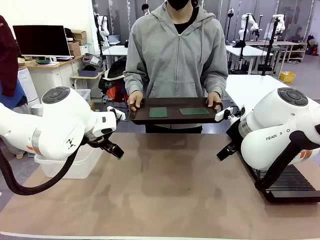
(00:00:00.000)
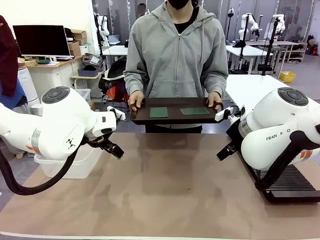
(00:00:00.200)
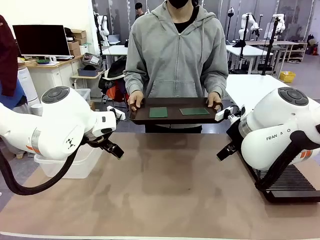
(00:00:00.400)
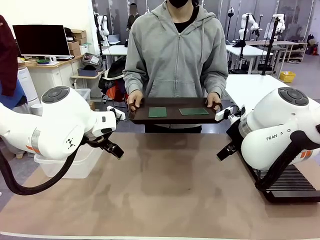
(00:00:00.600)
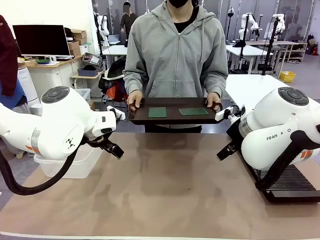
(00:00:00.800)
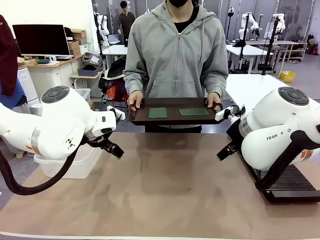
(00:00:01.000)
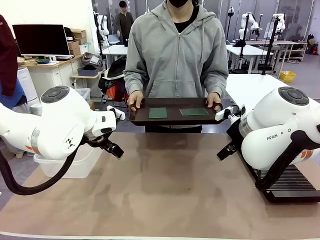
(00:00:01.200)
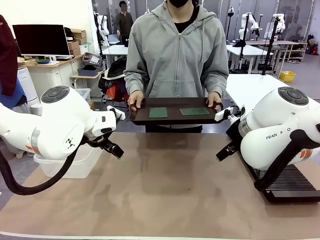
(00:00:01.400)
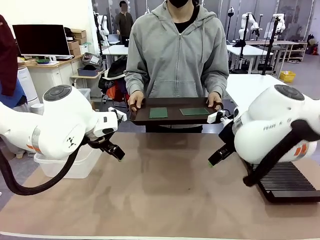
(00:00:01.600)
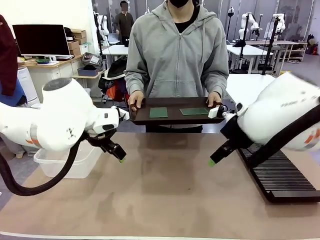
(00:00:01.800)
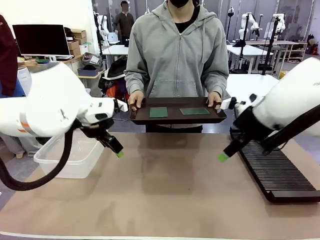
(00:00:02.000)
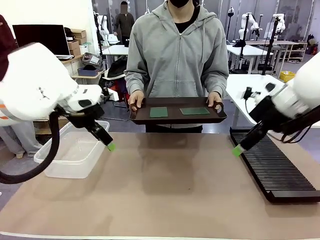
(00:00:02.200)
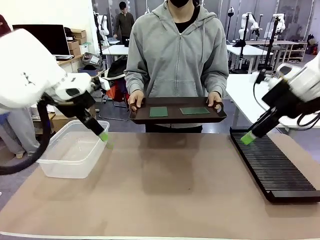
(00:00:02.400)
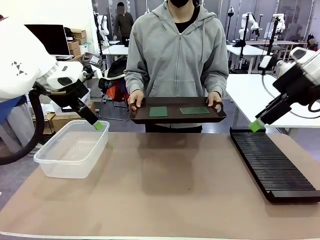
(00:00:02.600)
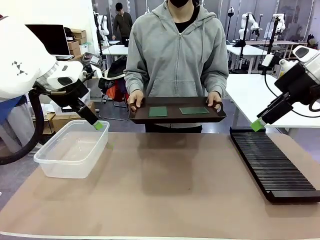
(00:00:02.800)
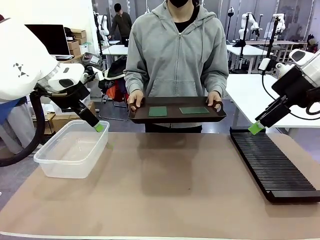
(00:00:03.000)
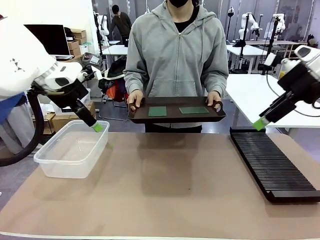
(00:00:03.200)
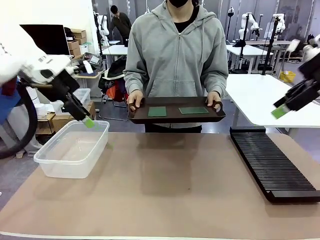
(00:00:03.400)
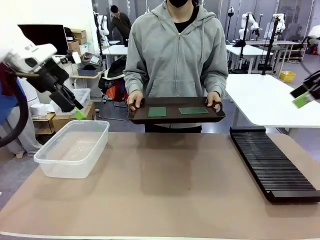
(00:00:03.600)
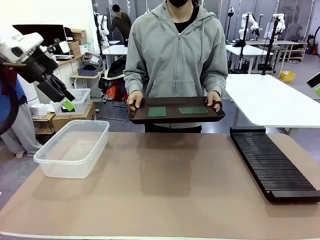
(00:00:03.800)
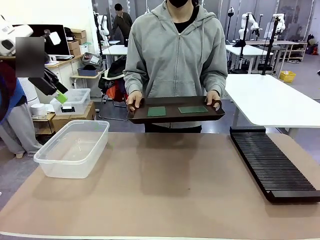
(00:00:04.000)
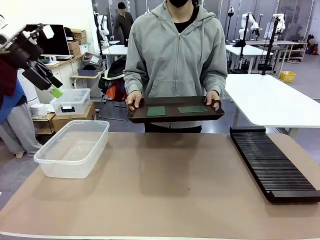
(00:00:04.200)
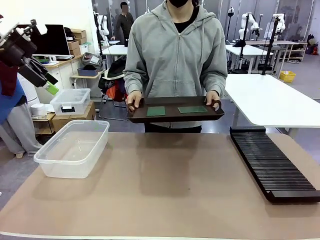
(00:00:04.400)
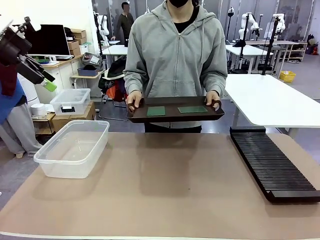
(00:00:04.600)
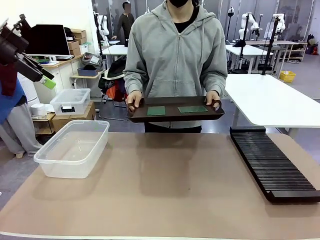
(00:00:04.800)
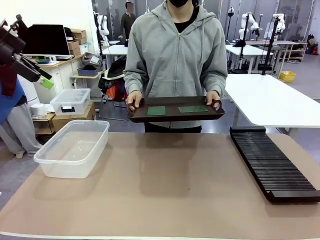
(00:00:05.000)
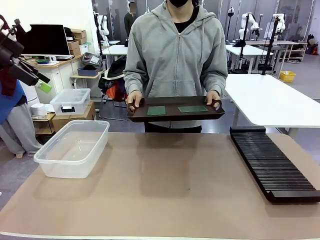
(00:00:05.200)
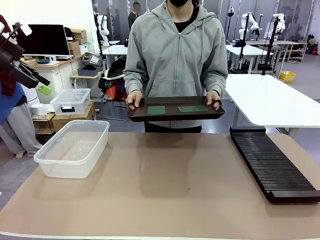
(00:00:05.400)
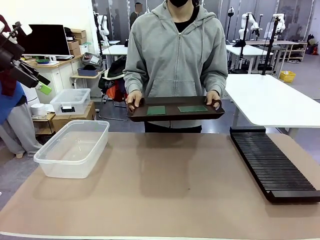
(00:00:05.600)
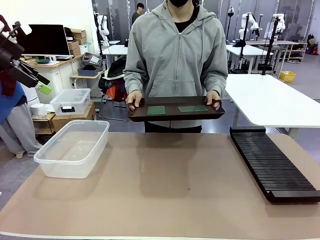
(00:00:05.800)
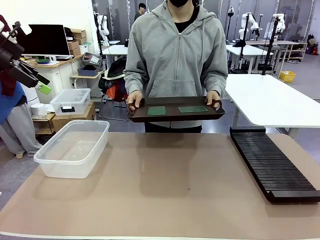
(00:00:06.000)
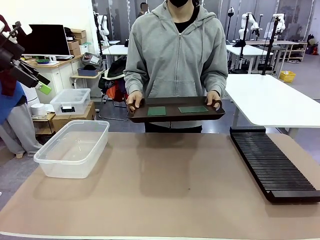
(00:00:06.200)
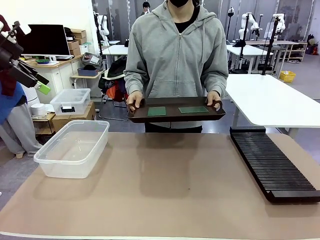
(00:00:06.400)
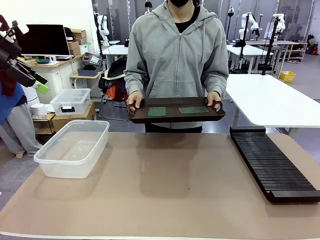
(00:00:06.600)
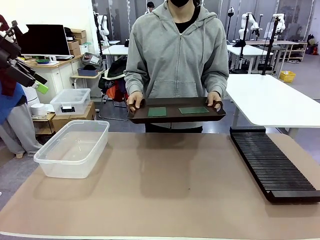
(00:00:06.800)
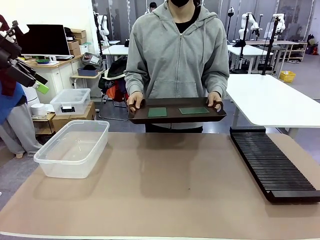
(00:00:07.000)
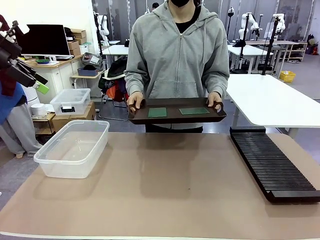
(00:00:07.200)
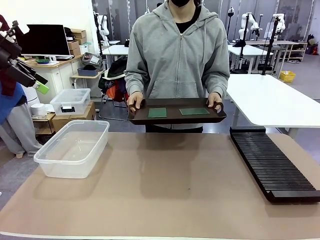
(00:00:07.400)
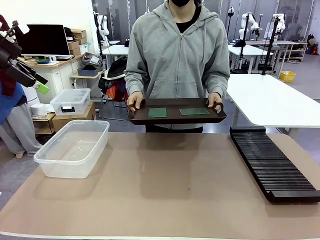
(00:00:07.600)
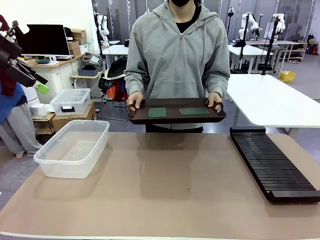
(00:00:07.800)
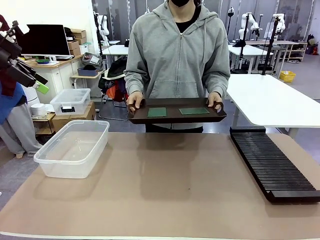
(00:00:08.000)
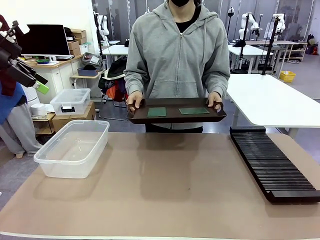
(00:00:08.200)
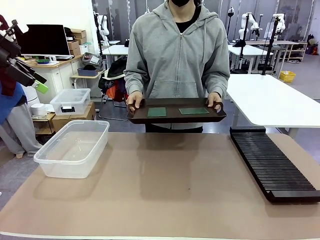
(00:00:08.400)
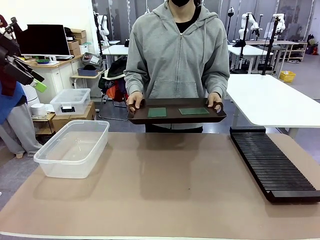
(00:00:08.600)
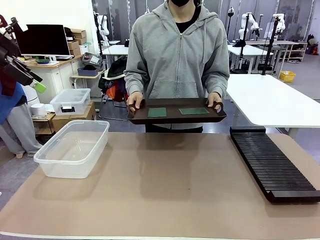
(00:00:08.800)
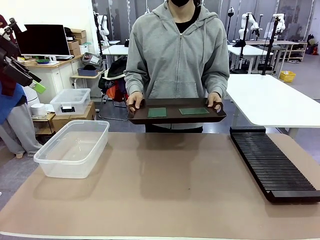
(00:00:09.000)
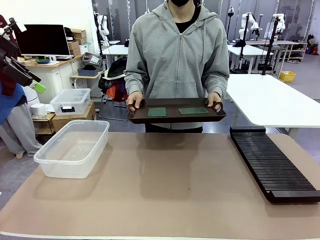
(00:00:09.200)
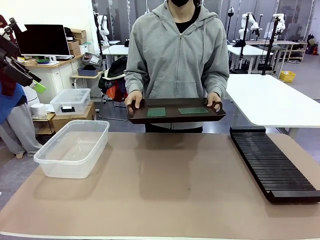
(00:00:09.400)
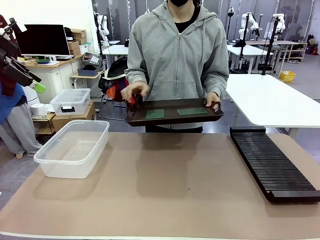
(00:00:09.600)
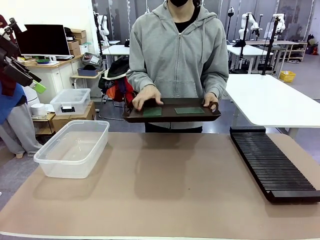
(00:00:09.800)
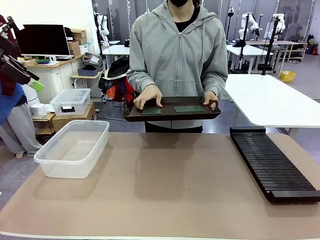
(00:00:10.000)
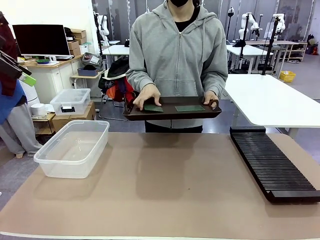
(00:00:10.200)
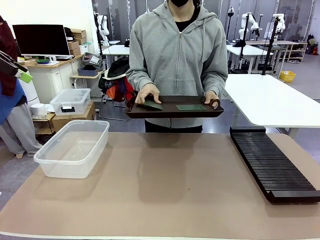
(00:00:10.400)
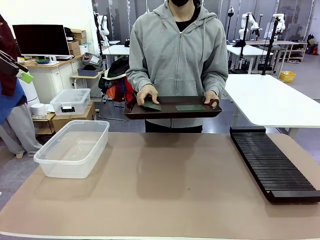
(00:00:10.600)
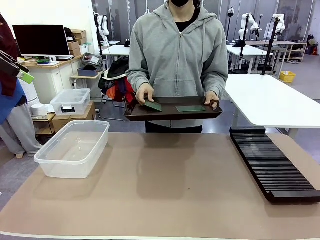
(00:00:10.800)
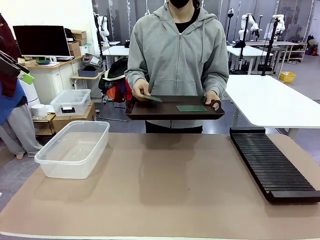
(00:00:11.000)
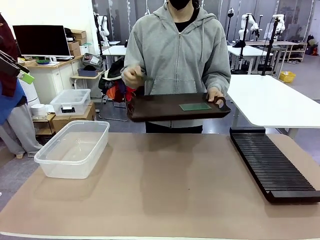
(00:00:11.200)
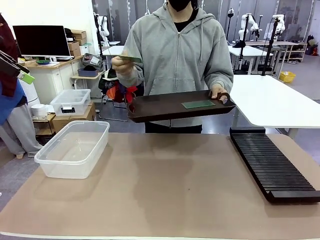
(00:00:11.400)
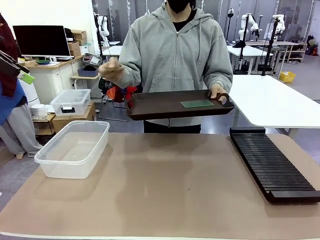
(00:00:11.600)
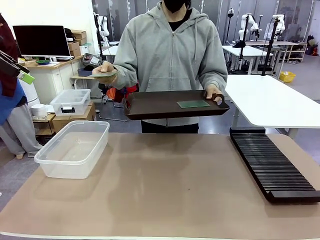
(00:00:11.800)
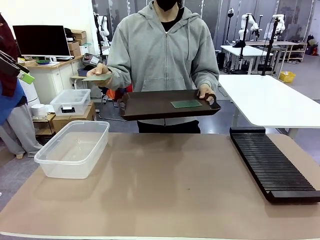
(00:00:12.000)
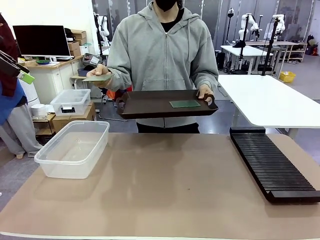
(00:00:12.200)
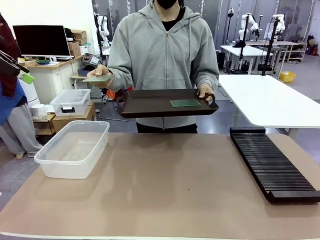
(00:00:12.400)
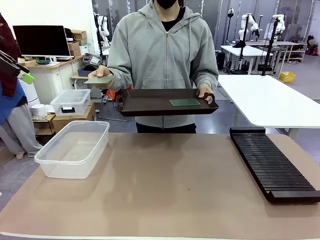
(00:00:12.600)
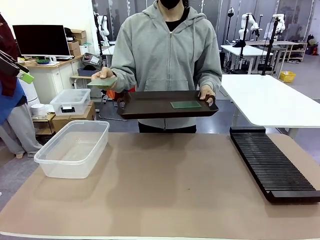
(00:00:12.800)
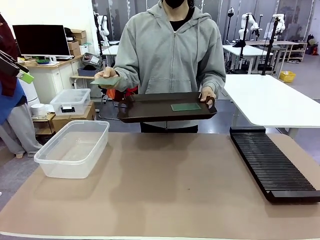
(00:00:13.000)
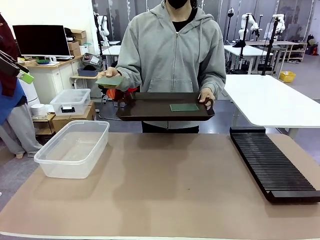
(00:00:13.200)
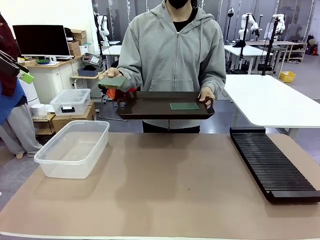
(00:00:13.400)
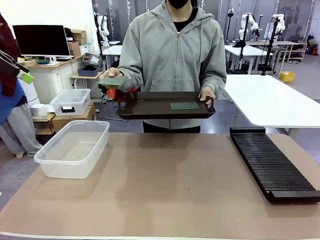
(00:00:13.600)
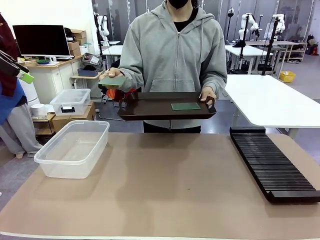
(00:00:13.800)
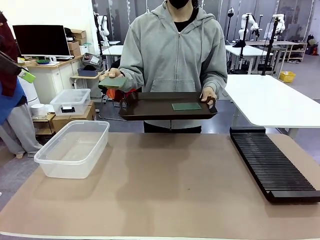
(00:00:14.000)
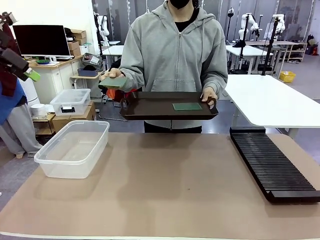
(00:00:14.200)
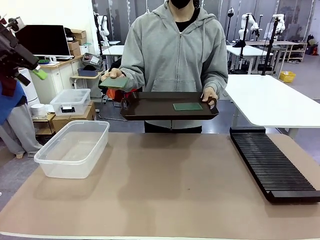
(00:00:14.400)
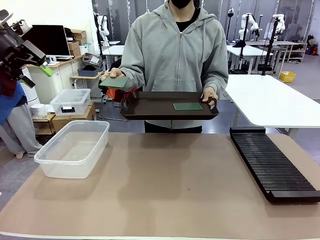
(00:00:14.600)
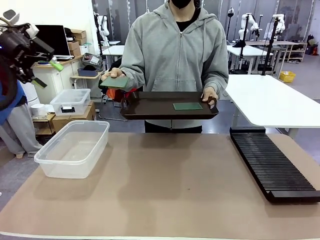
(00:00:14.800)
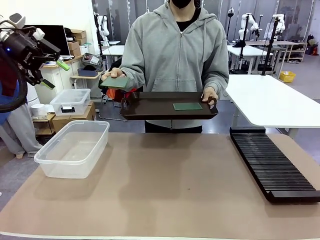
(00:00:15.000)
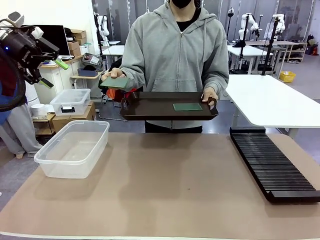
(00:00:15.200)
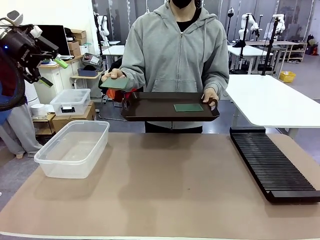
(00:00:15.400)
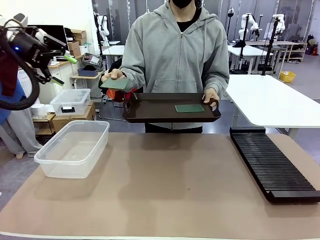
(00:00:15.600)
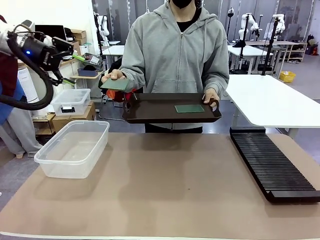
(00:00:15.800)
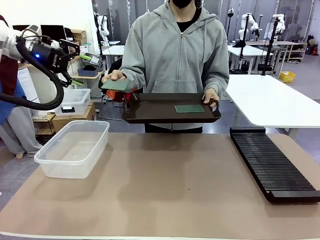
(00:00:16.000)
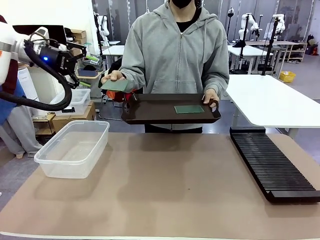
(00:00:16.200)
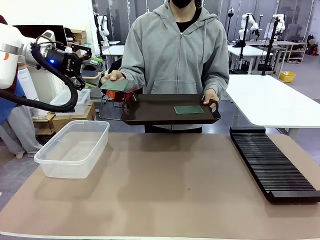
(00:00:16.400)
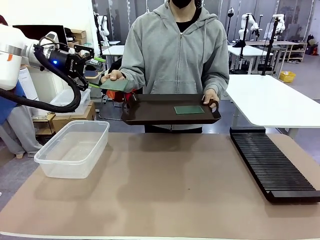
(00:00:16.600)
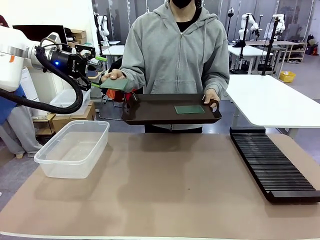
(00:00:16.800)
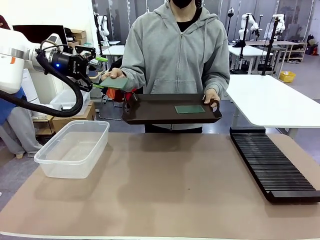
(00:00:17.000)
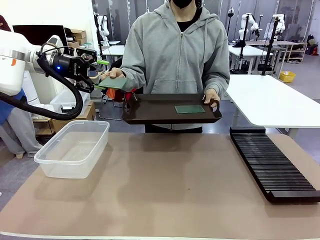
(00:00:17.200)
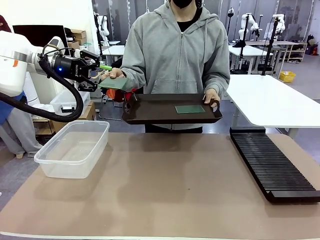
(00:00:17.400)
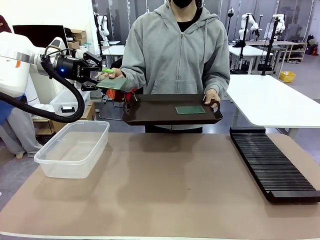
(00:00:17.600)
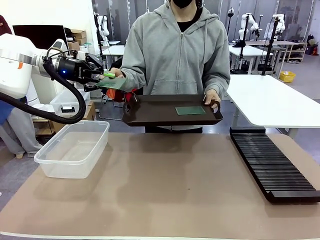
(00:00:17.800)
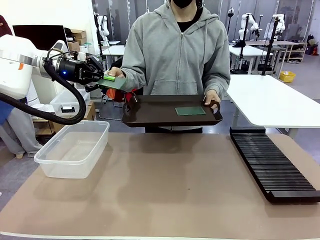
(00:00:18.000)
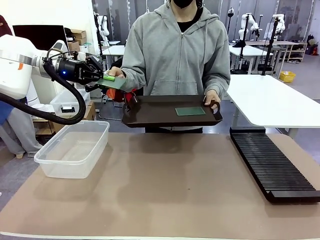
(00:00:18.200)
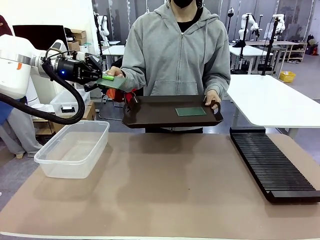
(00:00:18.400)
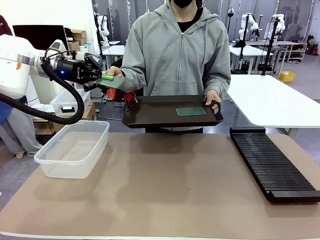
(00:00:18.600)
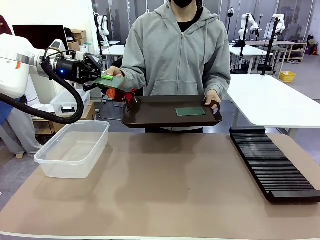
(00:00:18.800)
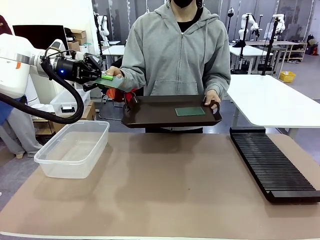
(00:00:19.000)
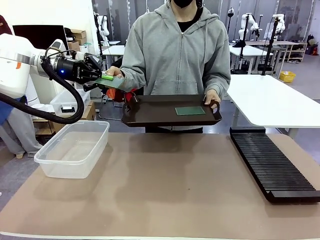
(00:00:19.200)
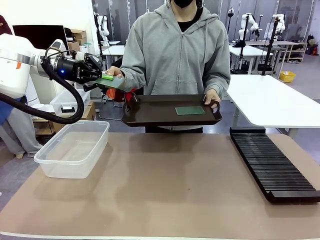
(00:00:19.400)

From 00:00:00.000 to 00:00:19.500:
Task: Sort PCBs into racks and boxes based on the side picked up.
Robot: Pick up the Blank PCB handed by the Human.
Person: Pick one PCB from the tray and present it to the robot. Release the PCB being held.
